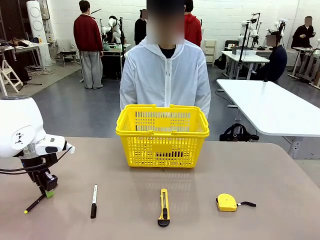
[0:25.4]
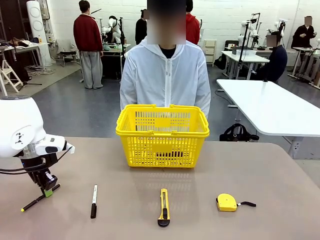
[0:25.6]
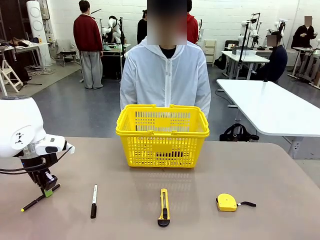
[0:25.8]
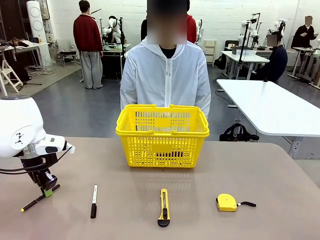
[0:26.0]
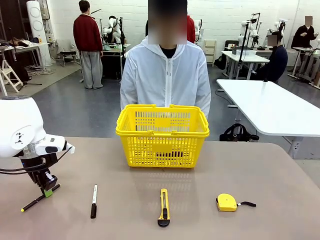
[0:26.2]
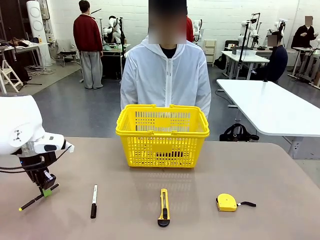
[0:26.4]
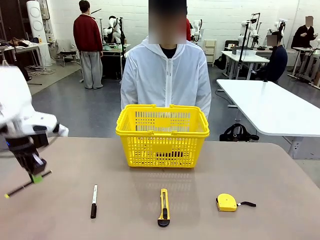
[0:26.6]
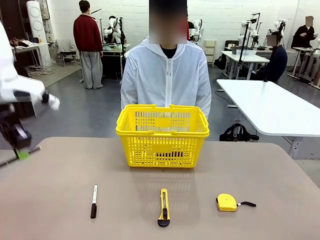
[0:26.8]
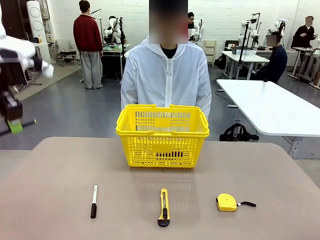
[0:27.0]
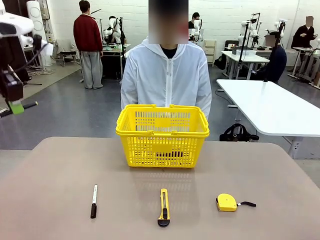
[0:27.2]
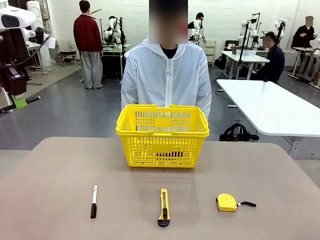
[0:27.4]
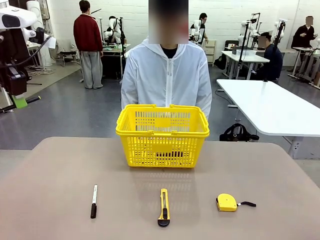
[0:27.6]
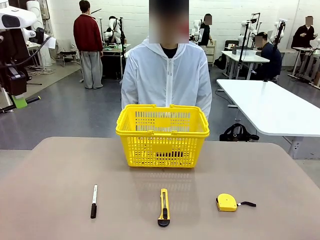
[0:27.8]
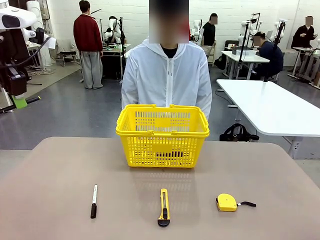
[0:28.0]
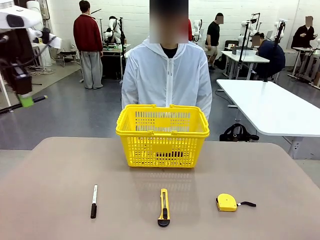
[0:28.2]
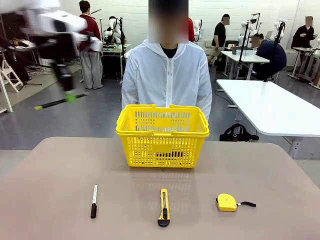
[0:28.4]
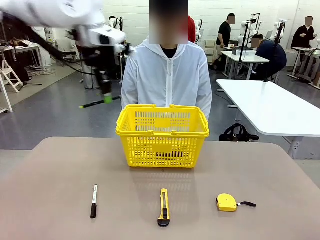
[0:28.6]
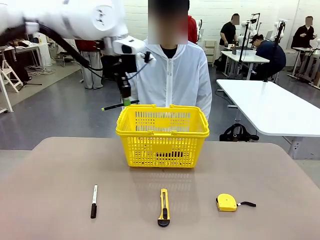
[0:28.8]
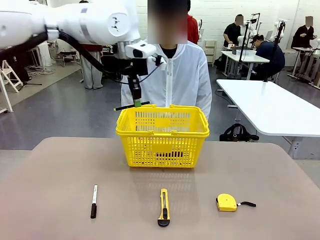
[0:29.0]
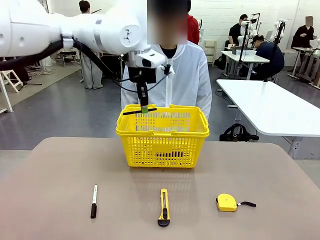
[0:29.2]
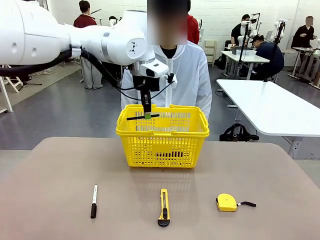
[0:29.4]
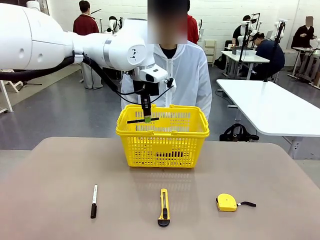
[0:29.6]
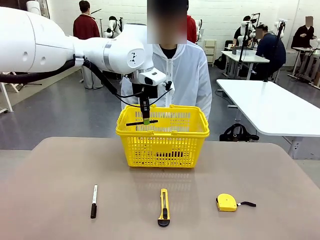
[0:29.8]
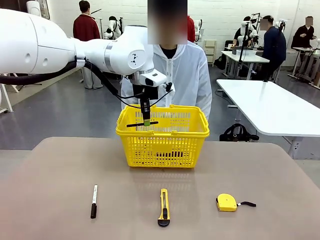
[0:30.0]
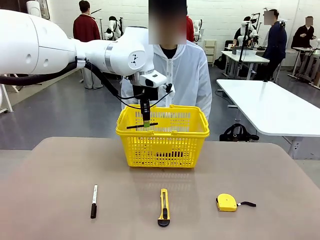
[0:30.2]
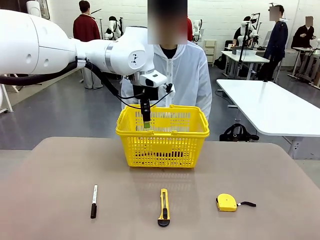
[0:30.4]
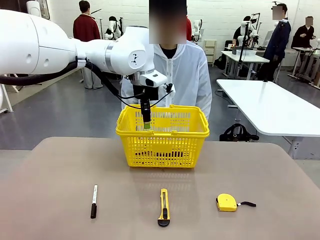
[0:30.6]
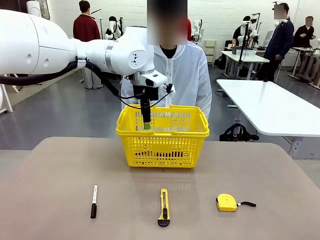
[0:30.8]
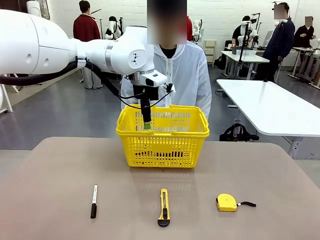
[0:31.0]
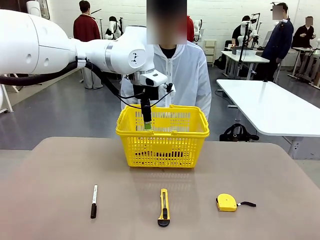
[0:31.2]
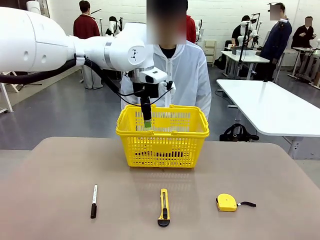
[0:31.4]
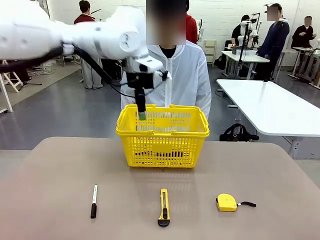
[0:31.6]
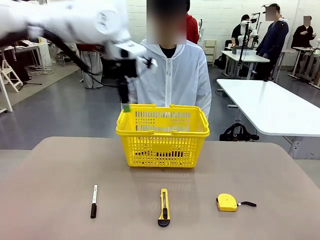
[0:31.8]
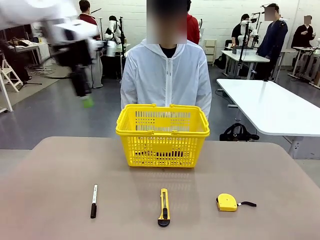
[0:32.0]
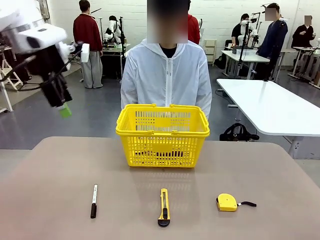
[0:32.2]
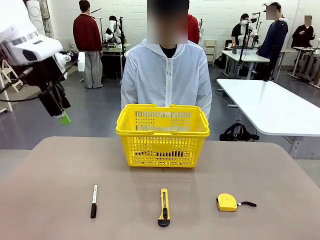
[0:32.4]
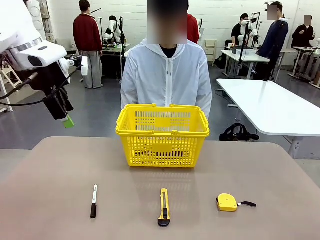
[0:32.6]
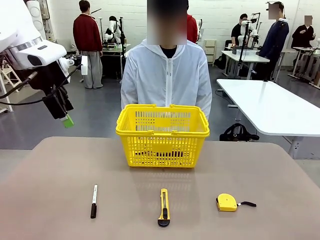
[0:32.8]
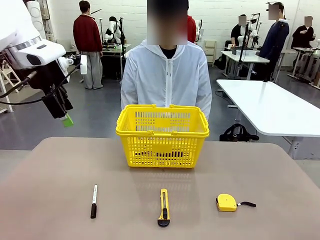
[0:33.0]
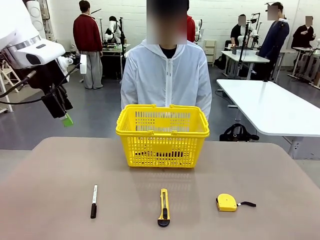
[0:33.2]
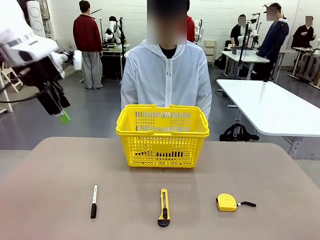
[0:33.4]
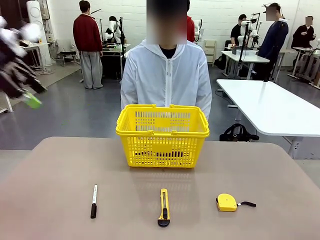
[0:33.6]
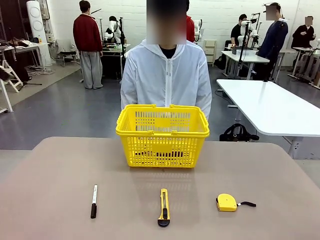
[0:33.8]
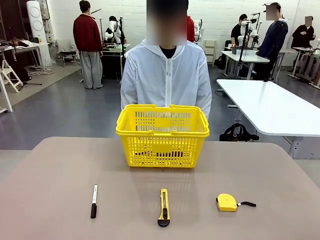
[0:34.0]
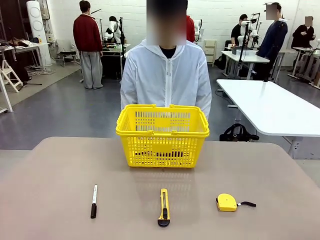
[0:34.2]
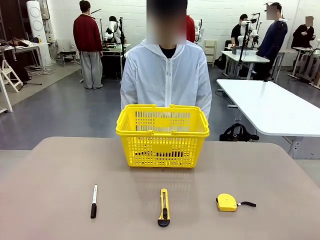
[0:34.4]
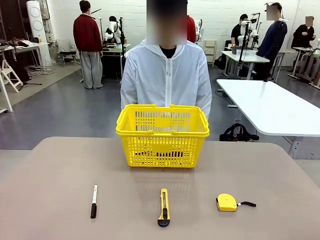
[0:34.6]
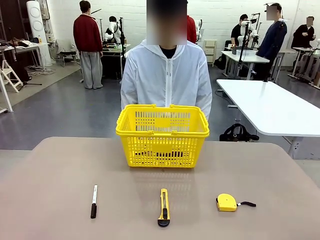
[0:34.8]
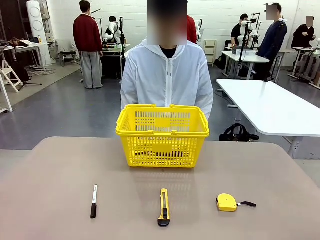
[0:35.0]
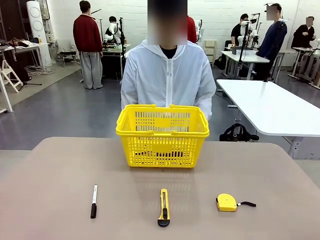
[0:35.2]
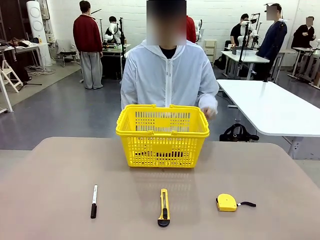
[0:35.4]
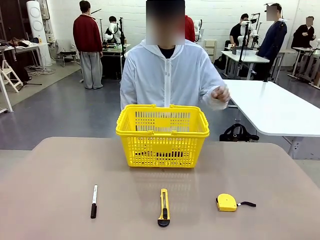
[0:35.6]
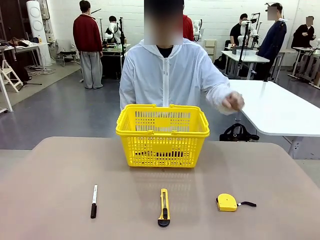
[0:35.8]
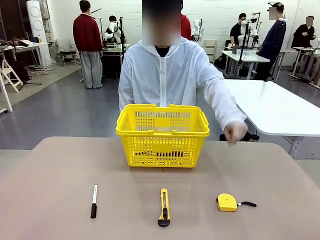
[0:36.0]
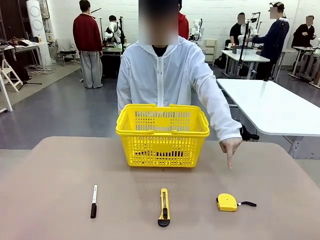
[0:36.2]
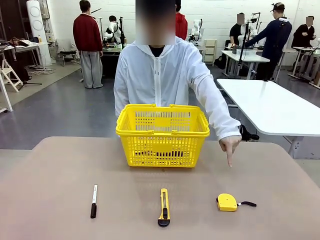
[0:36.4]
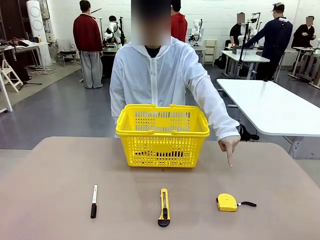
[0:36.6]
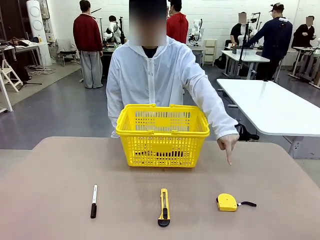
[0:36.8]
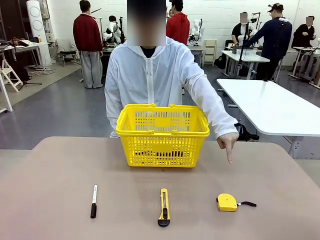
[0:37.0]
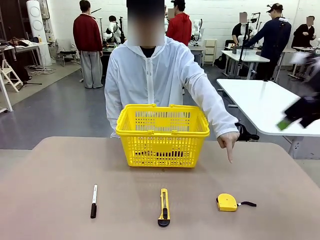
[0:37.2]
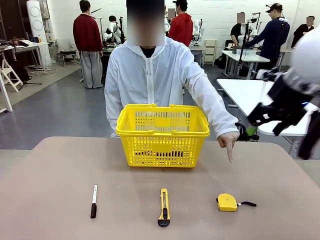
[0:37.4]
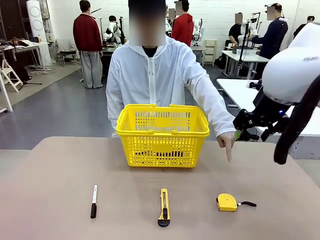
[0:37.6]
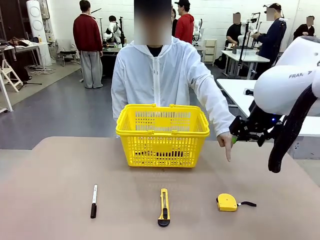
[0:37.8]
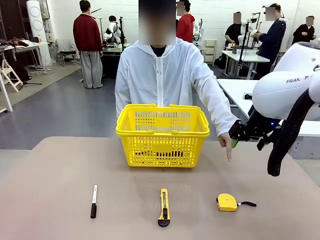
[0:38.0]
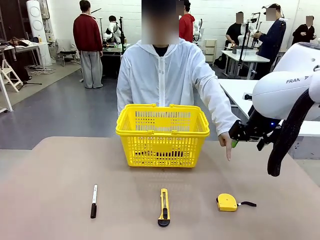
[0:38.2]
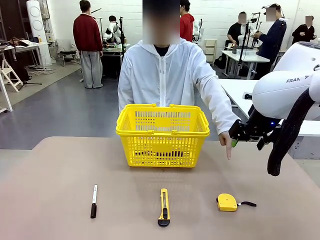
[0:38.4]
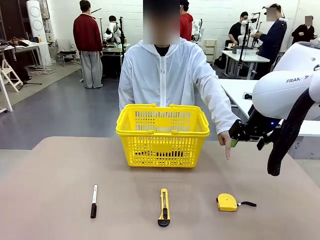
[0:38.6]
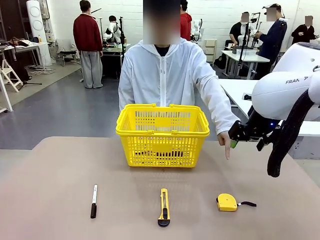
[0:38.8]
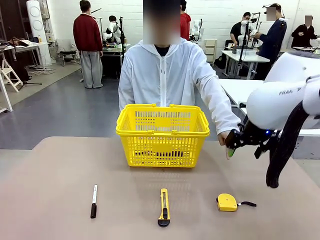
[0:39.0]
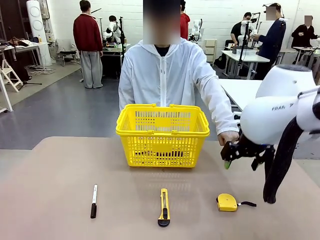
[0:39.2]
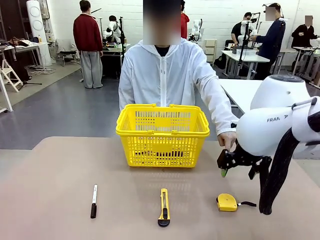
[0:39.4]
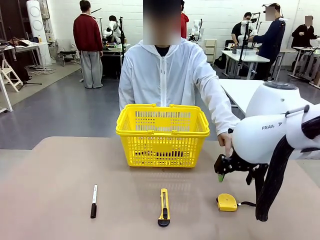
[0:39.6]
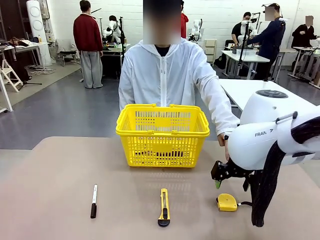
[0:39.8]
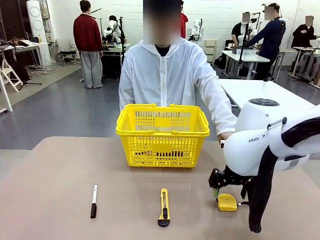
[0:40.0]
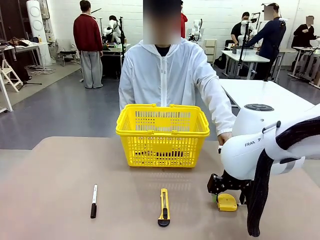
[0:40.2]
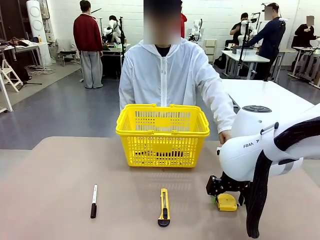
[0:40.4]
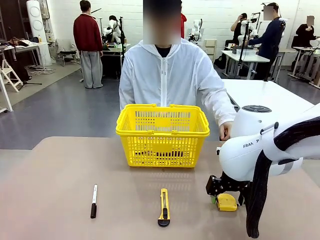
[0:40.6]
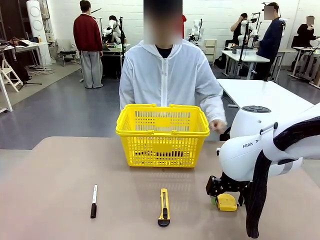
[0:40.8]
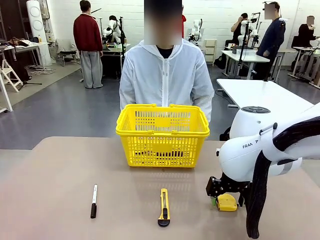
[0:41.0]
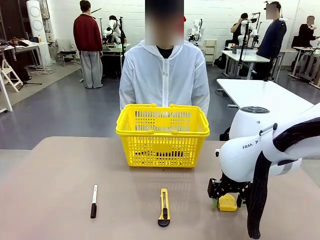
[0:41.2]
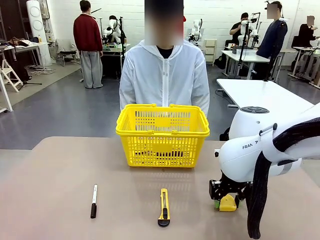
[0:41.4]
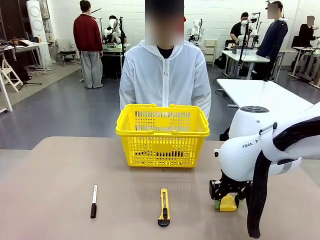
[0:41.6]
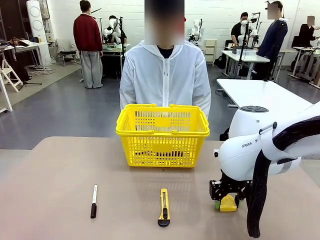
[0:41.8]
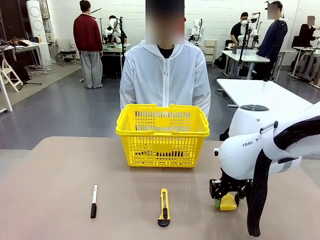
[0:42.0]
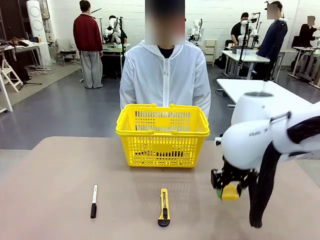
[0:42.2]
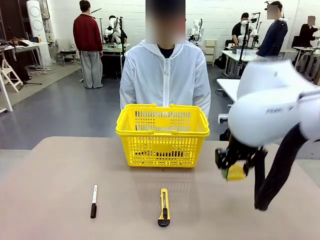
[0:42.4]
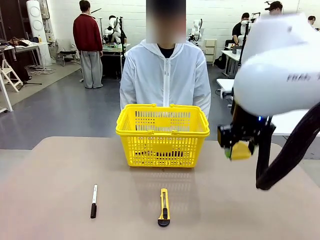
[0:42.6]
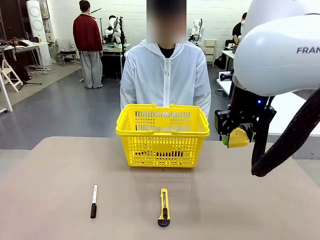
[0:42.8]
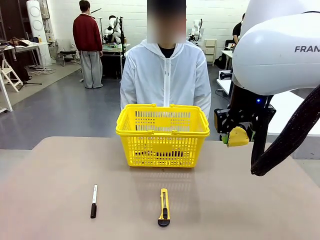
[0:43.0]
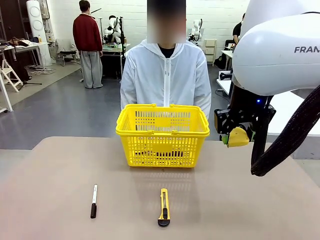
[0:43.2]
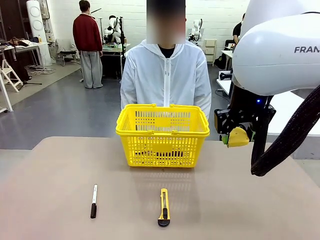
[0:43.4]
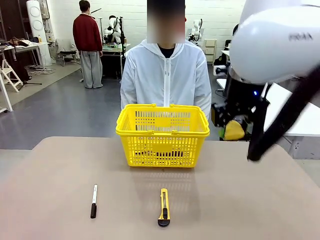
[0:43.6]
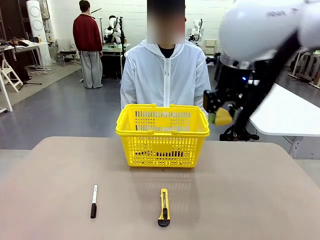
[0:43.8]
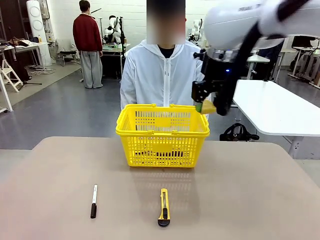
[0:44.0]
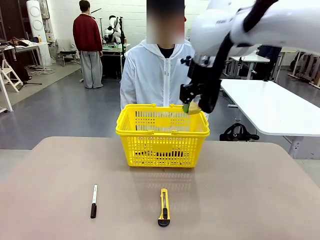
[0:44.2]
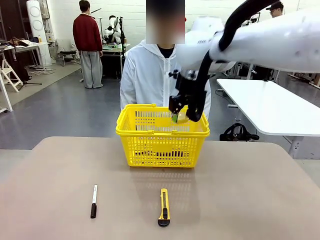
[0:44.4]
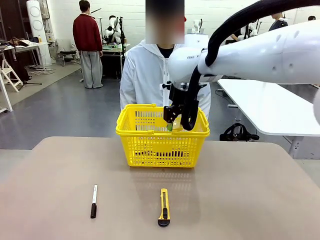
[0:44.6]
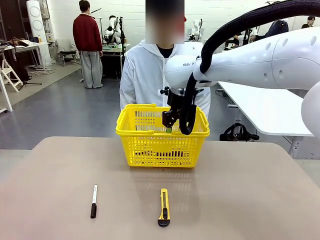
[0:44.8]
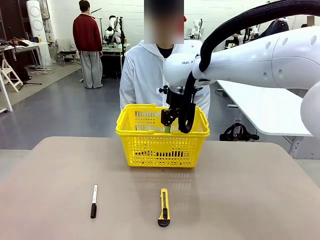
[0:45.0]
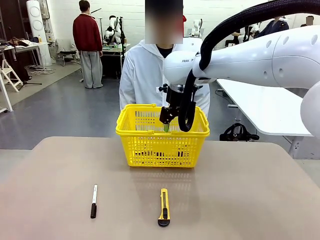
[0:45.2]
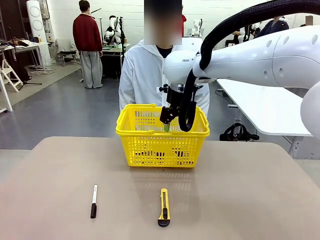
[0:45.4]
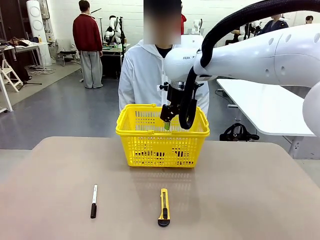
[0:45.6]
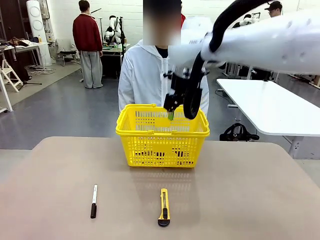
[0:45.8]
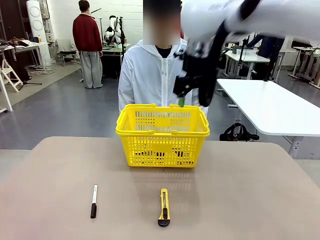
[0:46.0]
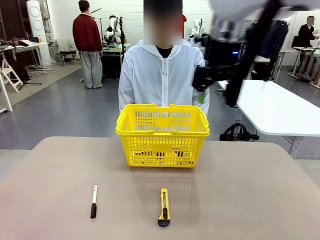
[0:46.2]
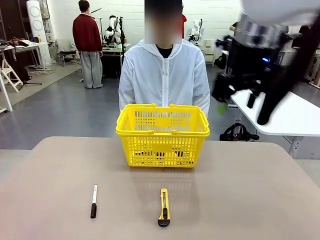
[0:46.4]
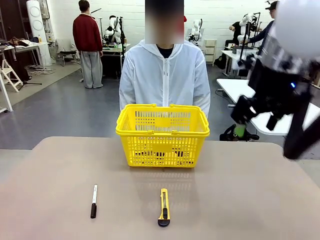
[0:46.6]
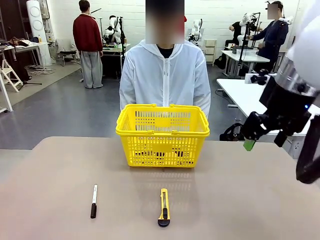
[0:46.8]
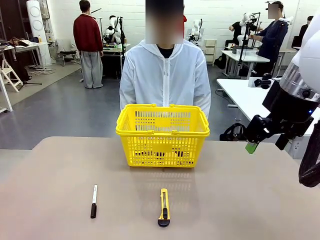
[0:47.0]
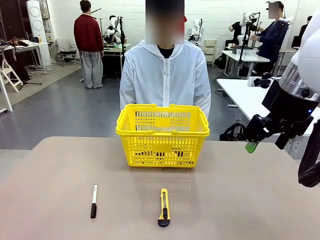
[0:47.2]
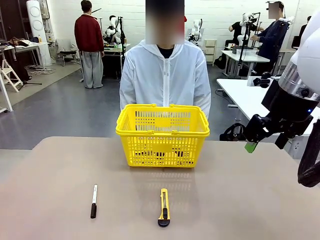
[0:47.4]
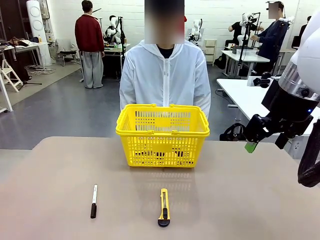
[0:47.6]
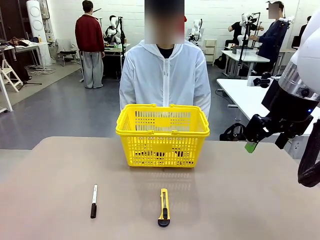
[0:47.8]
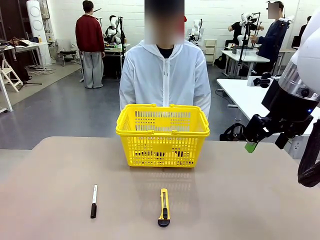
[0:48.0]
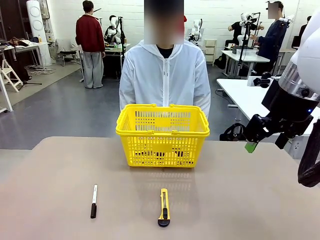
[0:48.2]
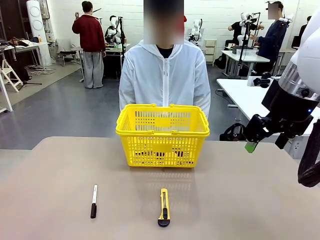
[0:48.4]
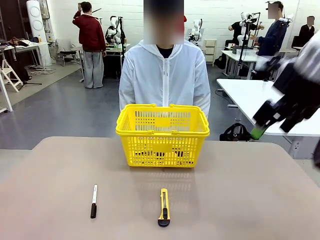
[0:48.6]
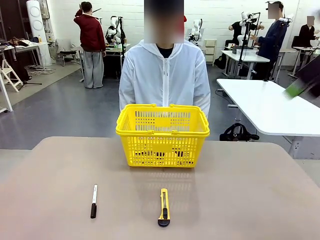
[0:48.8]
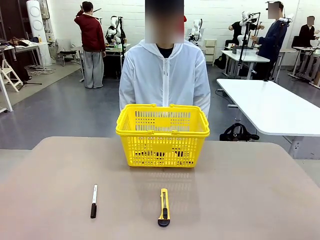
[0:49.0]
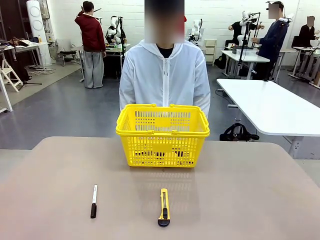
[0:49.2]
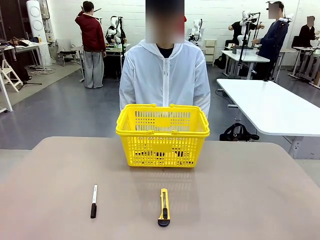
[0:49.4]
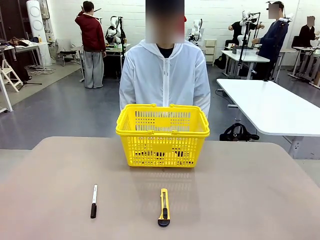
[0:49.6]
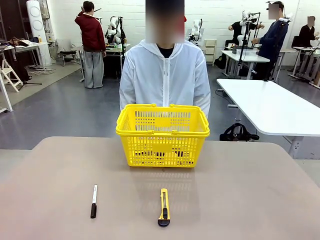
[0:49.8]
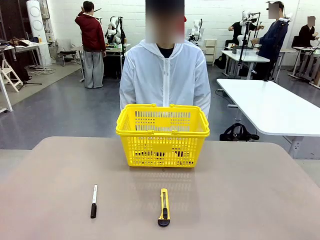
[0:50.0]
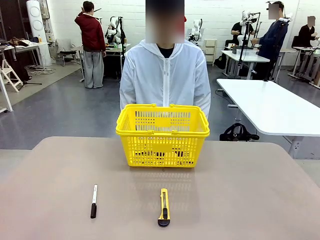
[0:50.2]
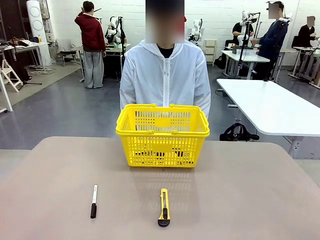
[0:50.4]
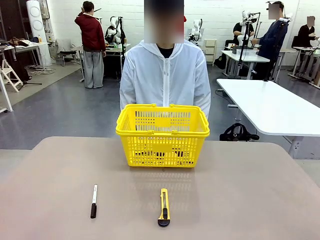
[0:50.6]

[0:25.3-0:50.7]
Task: Place the items the person wants into the basket.
Robot: Pick up the item the person points to and place it in the Market Basket.
Person: Point to one object on the table (excluding the basket).
